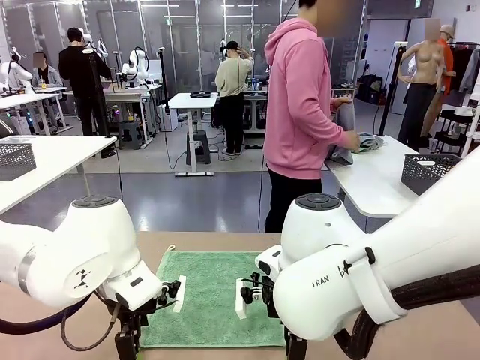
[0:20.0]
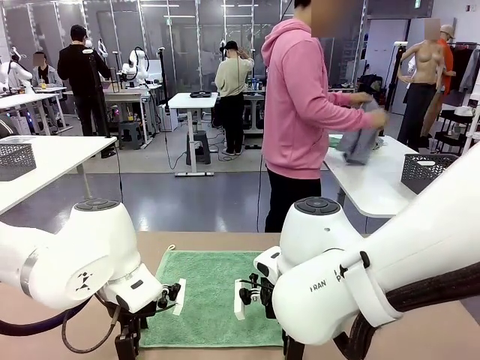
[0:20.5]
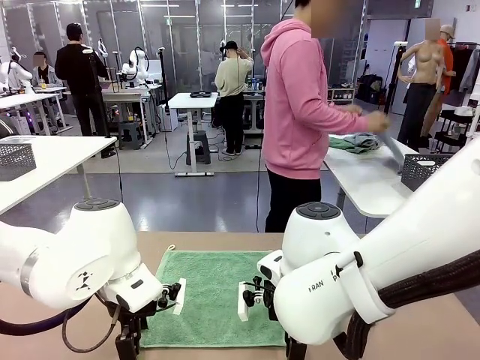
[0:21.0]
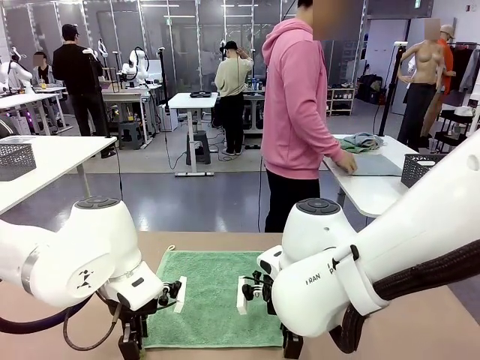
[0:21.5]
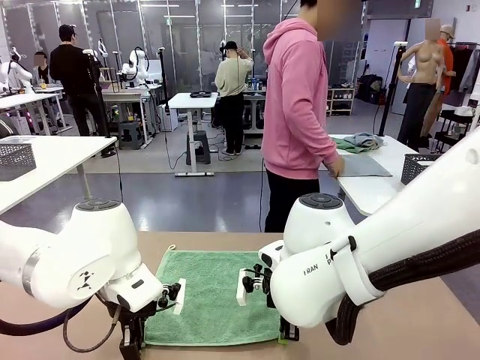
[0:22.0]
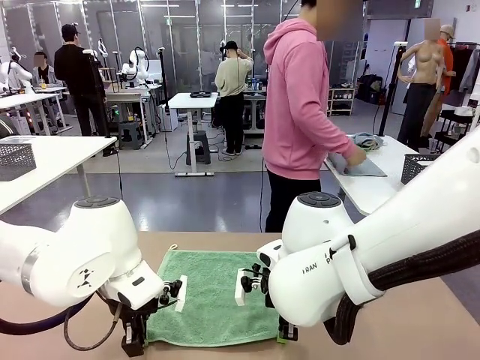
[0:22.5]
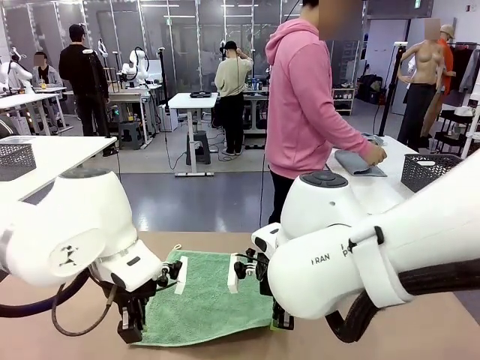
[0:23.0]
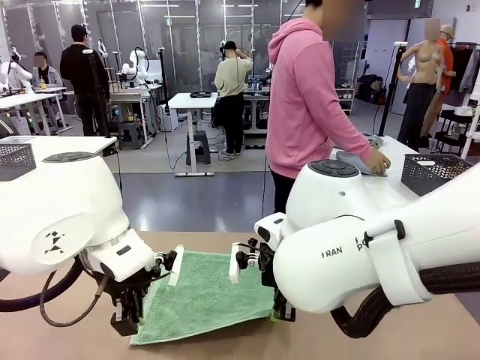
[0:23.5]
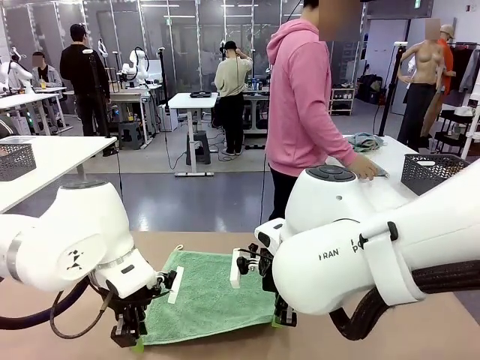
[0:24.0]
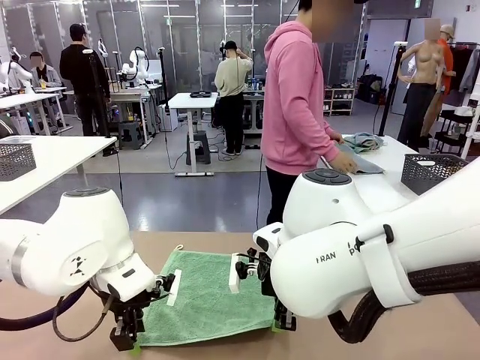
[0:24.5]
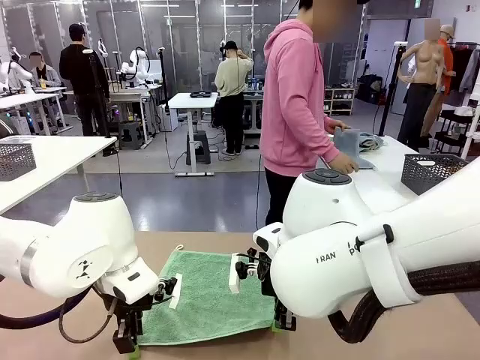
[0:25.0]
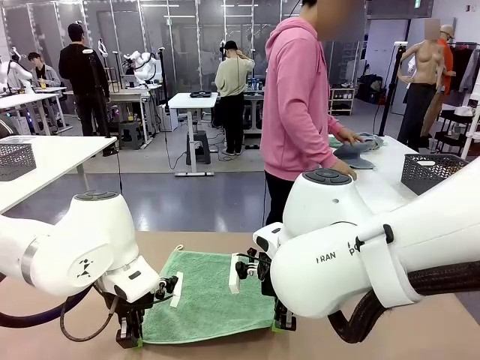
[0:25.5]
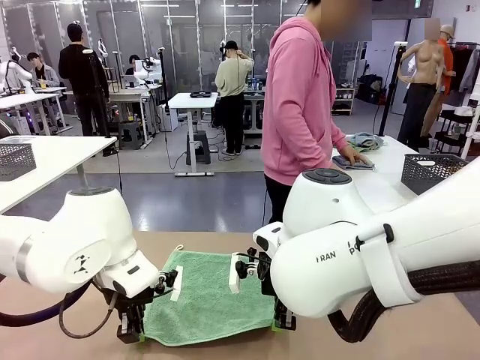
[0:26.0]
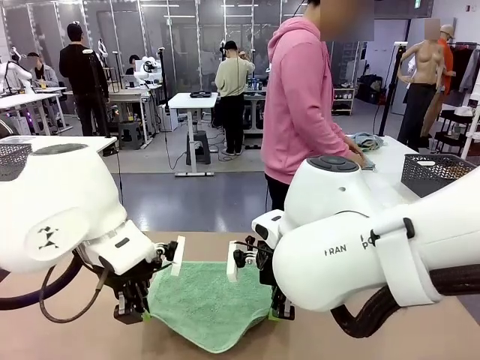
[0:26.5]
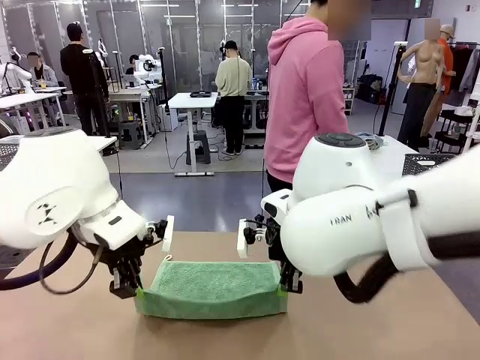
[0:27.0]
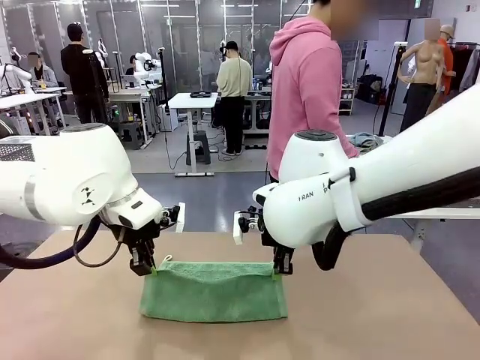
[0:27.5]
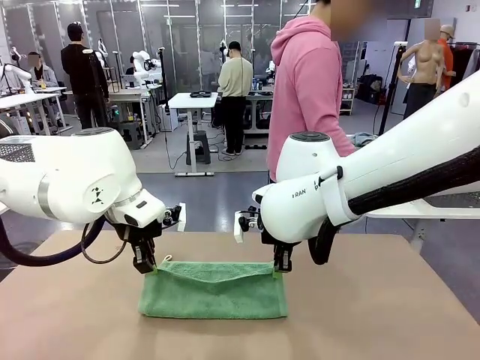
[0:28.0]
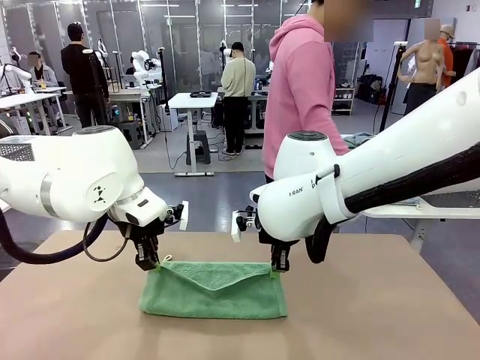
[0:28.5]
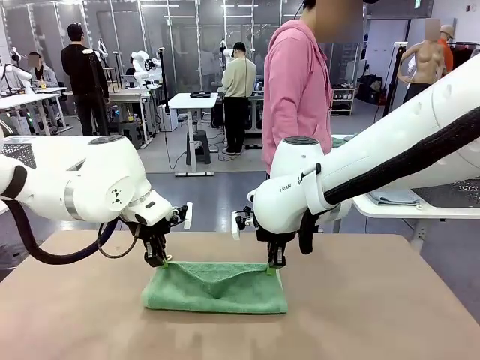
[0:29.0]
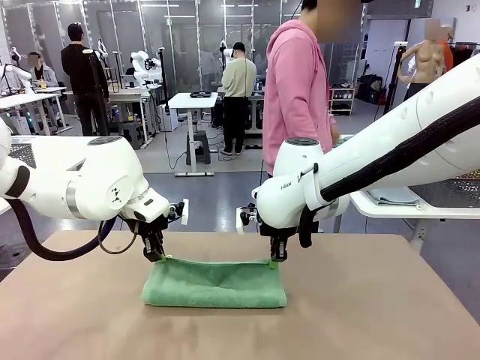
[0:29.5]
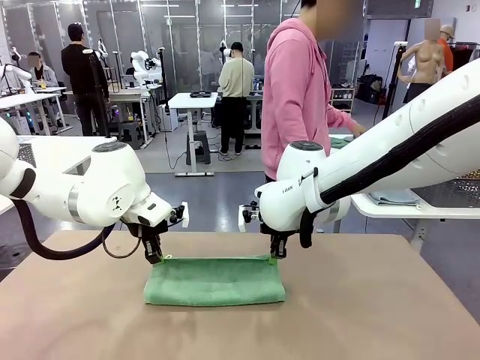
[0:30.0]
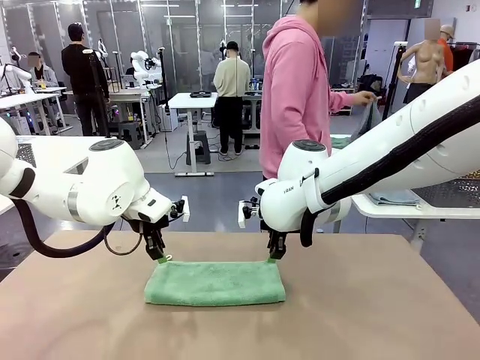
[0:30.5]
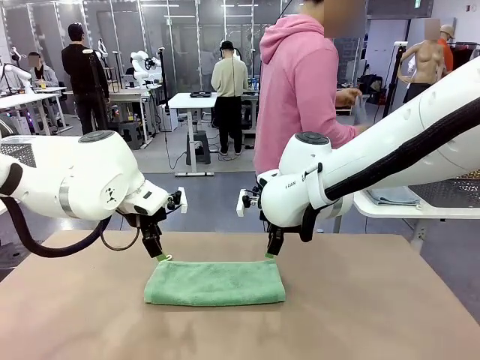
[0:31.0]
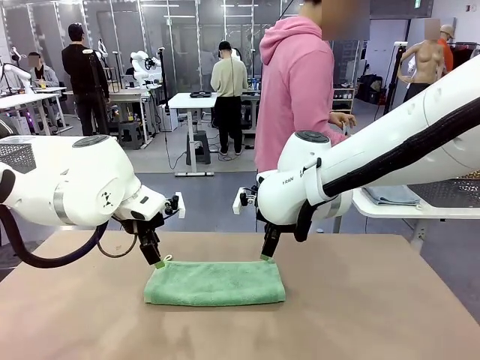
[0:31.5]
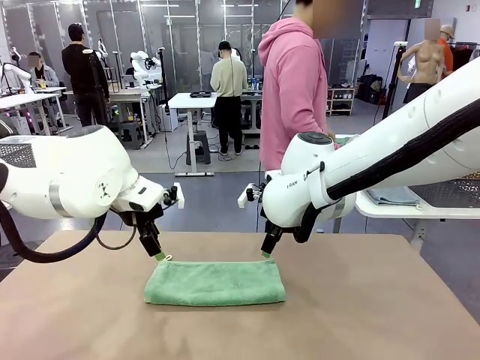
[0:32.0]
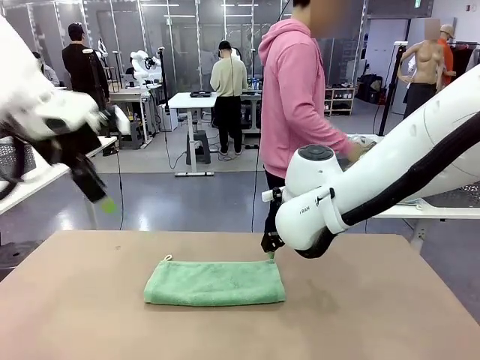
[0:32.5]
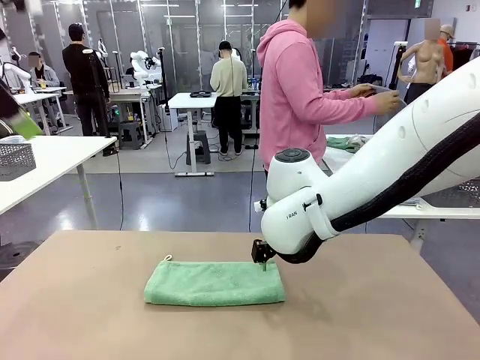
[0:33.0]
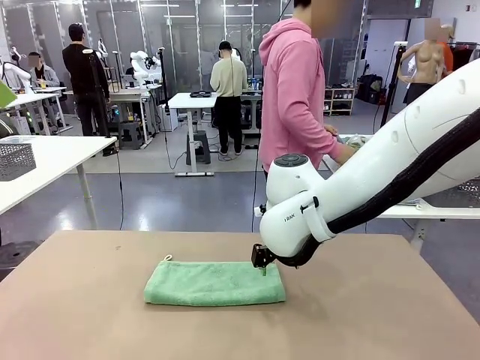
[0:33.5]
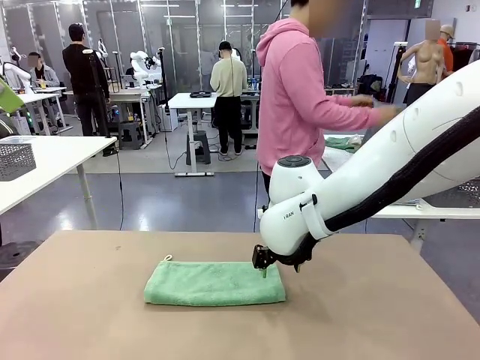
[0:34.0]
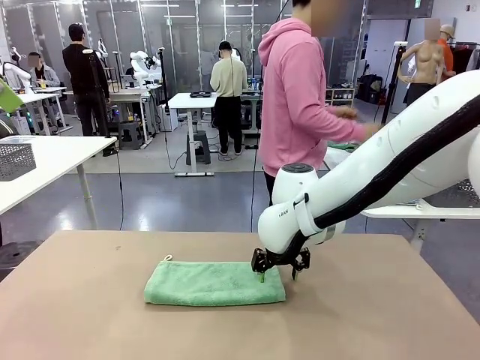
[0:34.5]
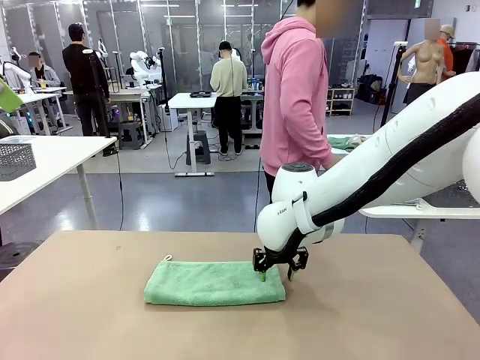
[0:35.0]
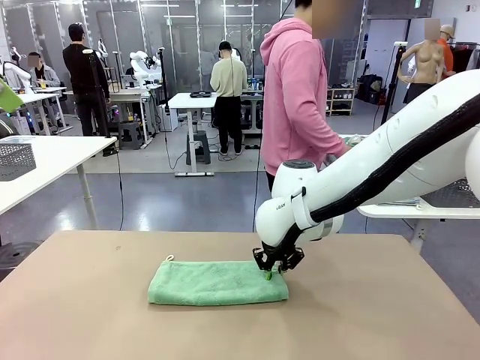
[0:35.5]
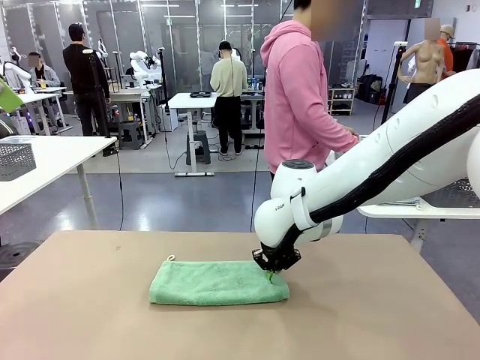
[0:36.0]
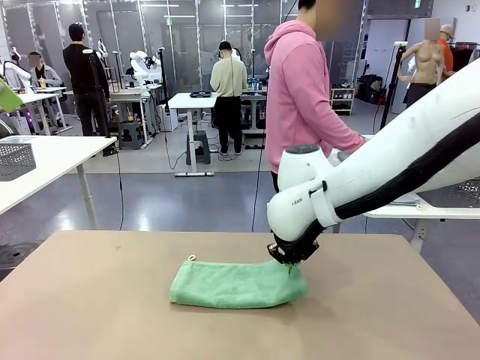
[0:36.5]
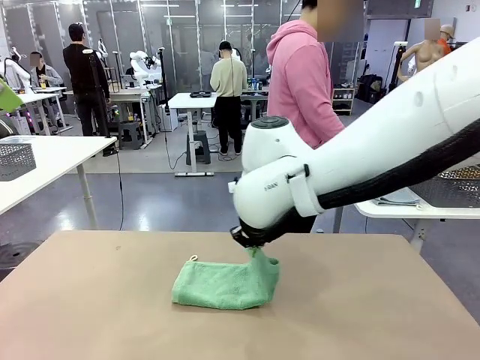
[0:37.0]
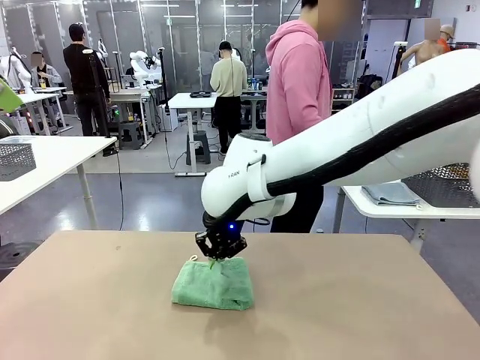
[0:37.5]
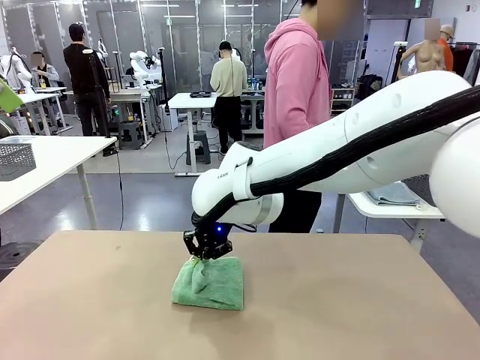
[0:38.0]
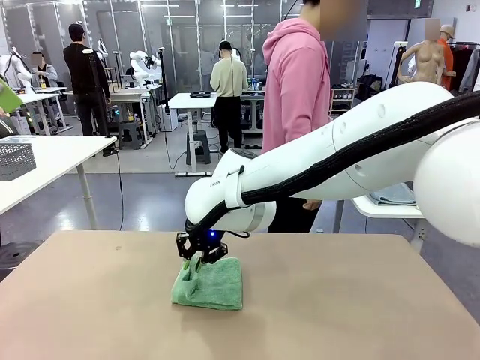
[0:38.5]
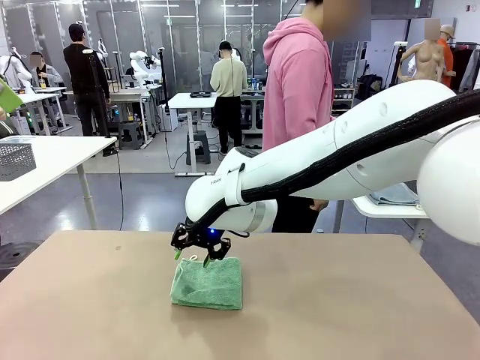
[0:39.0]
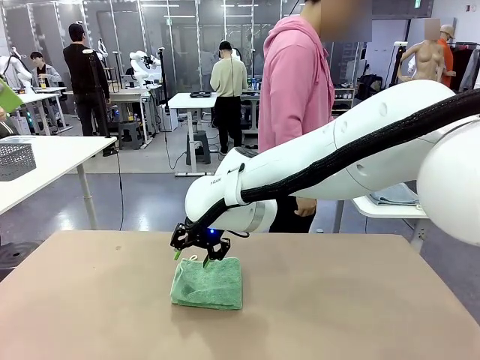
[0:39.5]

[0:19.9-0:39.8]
Task: Fold the towels and place them in the basket.
Robot: When a person lays out a Towel with hook on the table, fold it in half twice.
Person: Pick up one towel from the left side of the human table, fold it in half twice, and place it on the right side of the table. Pick up one towel from the left side of the human table, fold it in half twice, and stack it on the right side of the table.

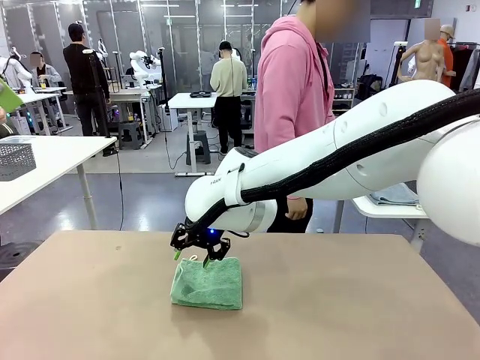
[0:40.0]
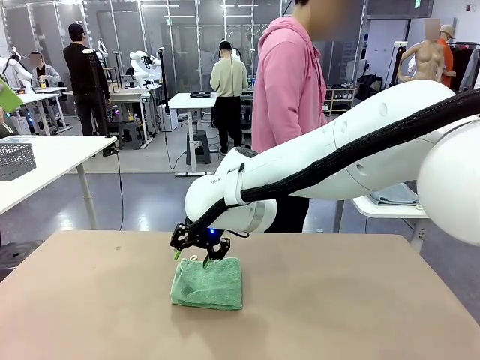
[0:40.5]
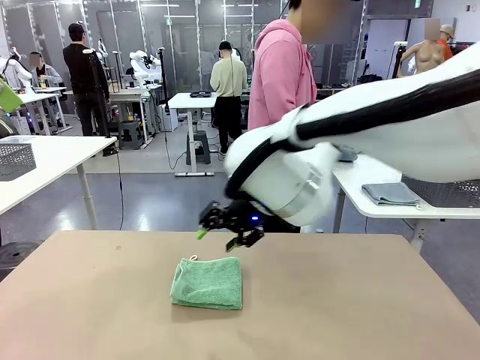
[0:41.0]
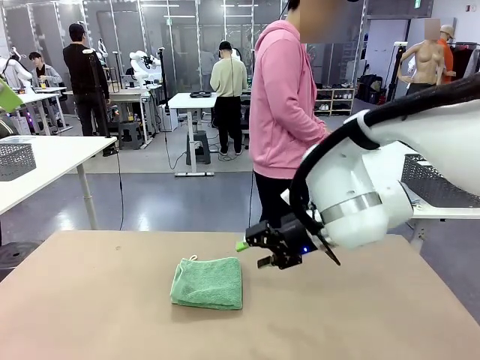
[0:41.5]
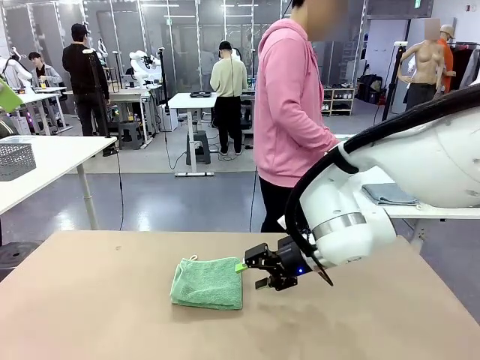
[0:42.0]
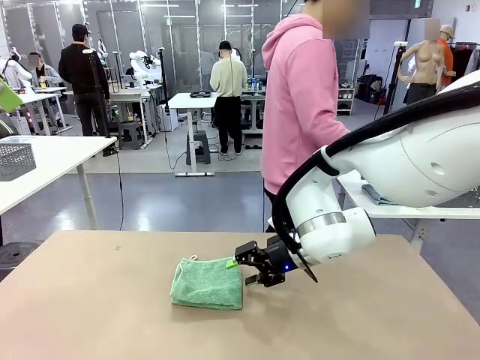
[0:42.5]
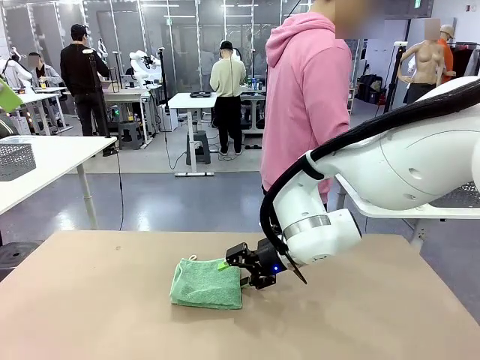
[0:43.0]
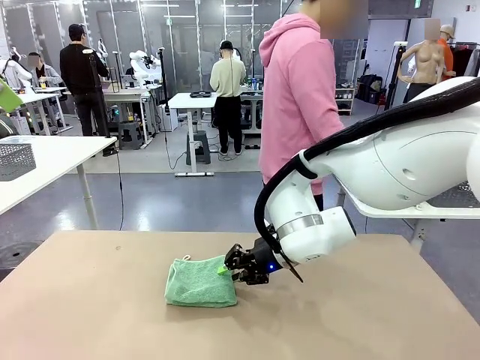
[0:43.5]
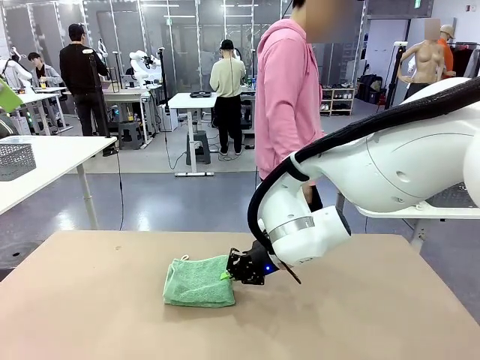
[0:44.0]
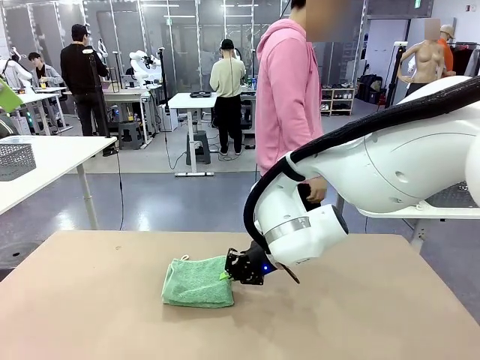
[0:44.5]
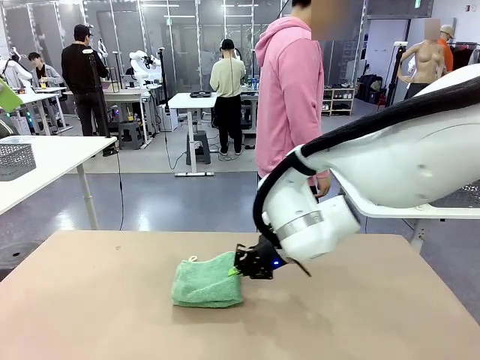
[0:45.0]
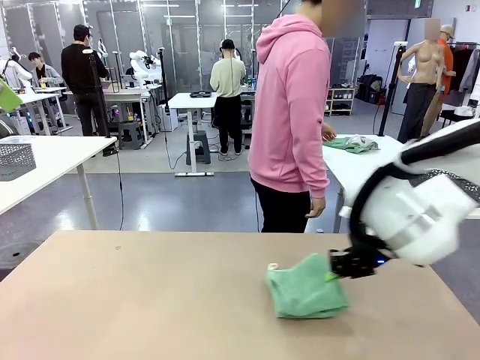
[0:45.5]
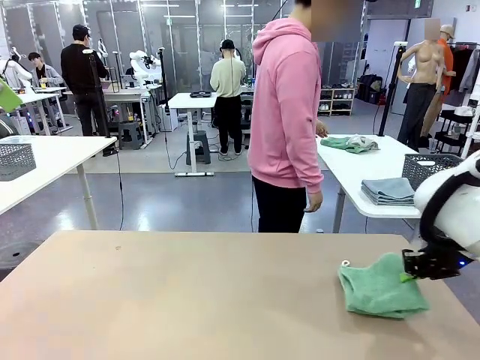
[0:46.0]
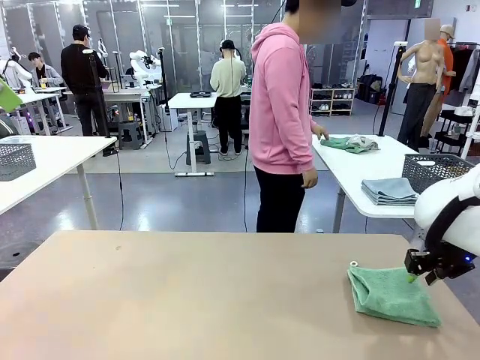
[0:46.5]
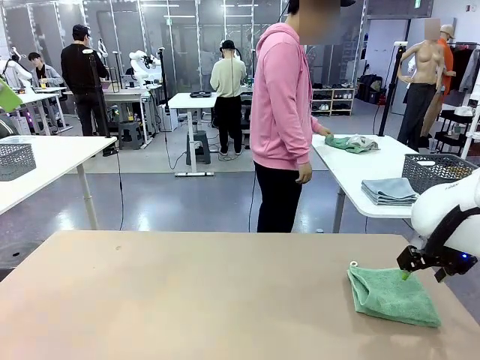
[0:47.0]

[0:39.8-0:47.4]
Robot: Place the folded Towel with hook on the right side of the table.
